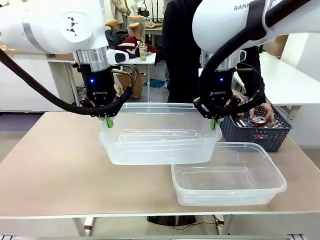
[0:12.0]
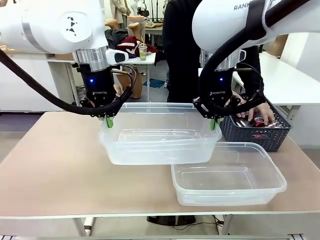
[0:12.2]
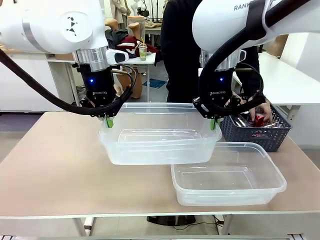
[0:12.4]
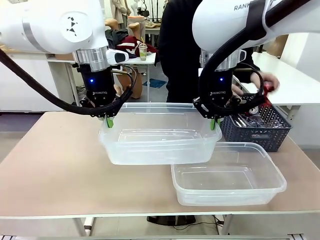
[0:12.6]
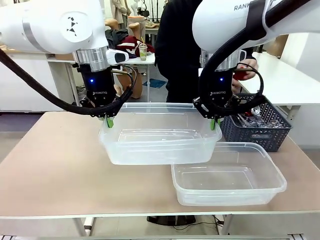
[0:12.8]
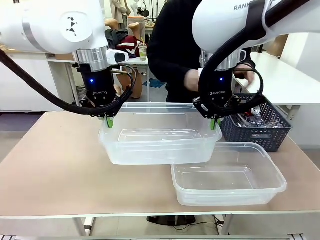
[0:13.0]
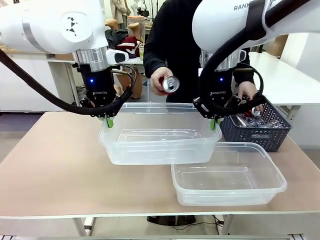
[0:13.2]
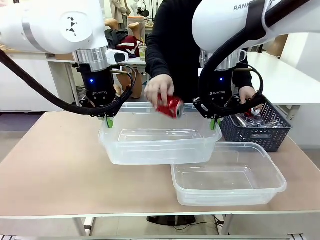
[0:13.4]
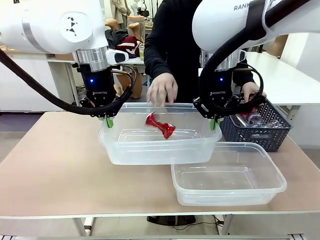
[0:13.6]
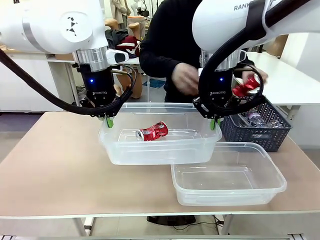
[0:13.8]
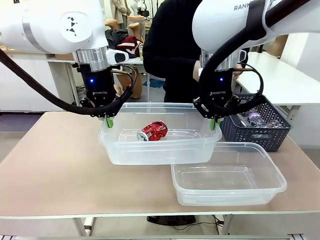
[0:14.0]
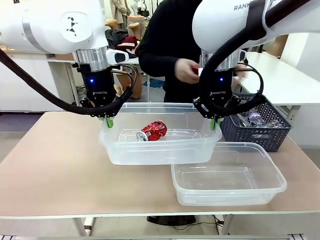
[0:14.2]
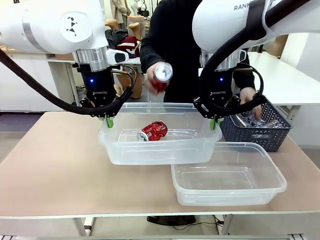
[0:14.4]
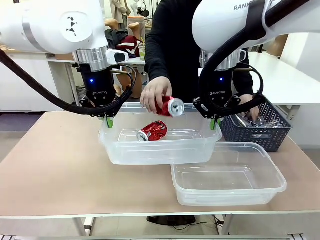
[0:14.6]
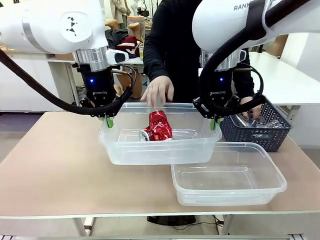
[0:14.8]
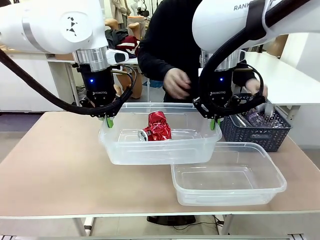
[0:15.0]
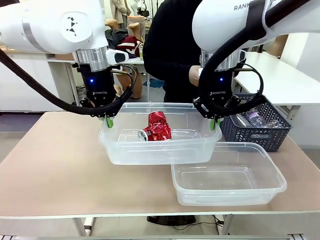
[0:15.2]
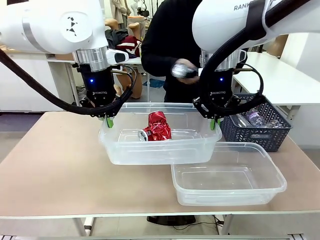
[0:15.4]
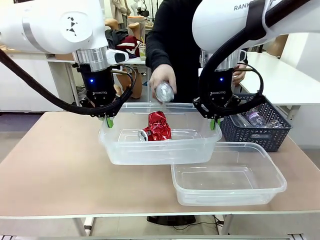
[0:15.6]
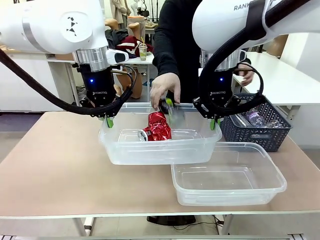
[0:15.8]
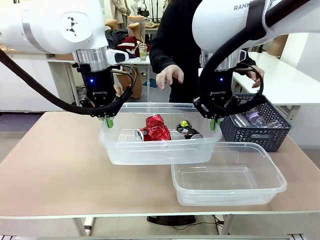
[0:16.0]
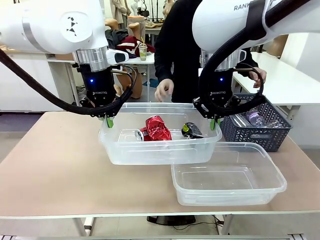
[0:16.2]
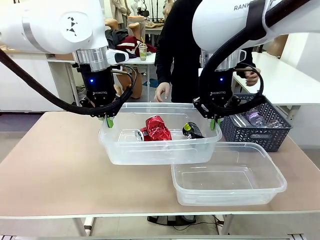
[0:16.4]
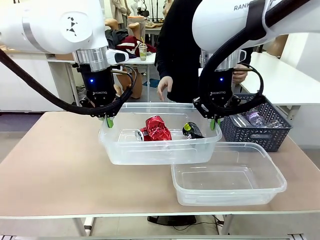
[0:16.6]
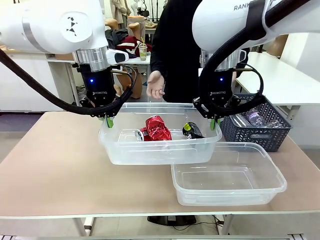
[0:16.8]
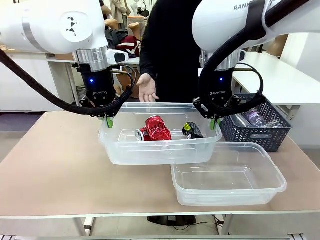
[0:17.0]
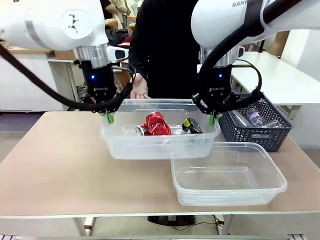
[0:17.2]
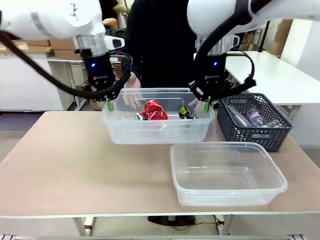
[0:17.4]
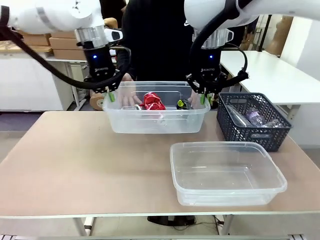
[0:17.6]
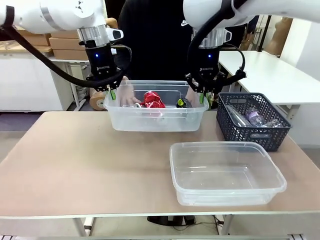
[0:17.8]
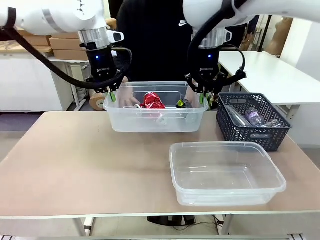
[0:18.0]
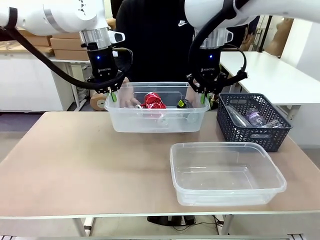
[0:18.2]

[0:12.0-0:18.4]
Robot: Offer the picked Organizing box to the human.

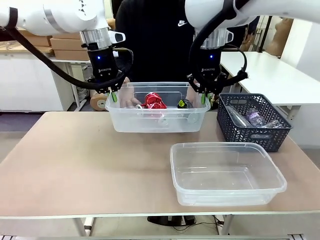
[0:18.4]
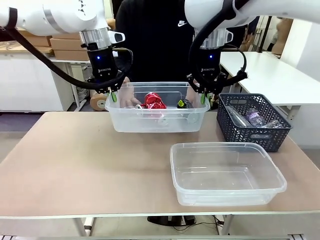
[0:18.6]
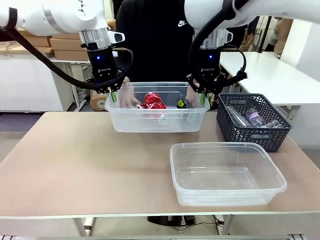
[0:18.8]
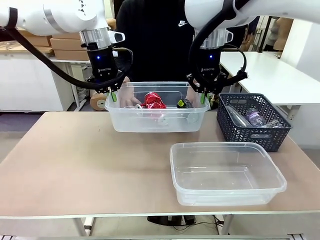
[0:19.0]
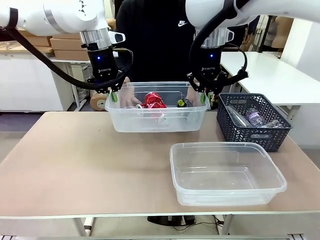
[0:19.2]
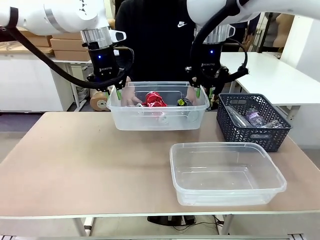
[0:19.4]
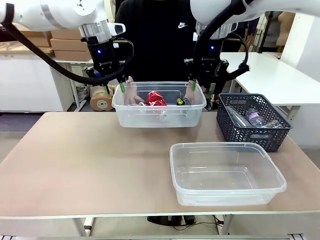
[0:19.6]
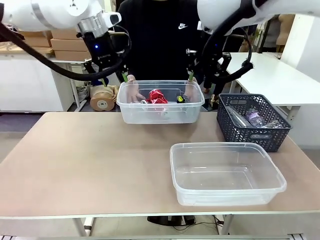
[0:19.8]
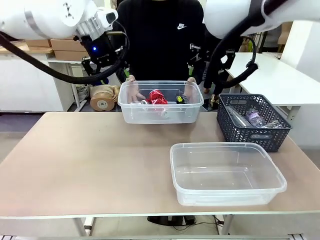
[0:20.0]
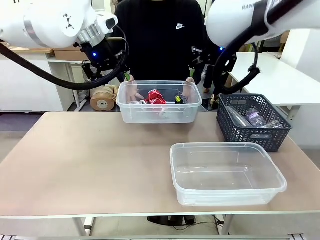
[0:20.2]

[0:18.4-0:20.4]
Robot: Release the Organizing box you were holding.

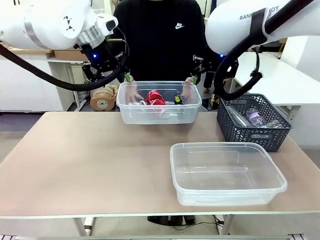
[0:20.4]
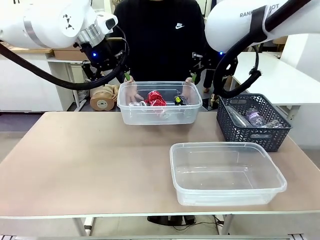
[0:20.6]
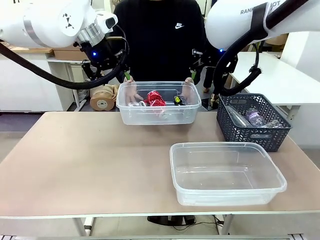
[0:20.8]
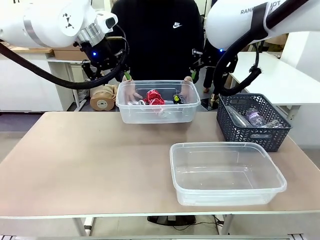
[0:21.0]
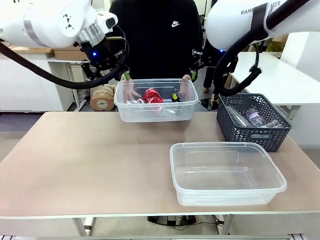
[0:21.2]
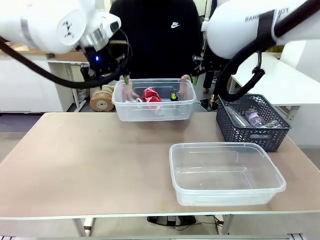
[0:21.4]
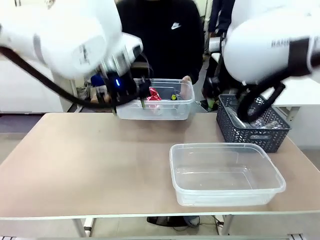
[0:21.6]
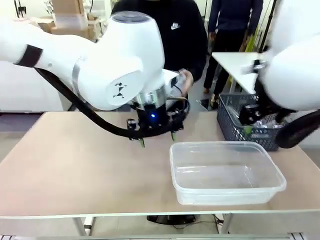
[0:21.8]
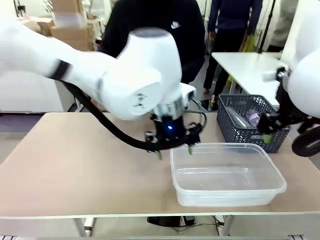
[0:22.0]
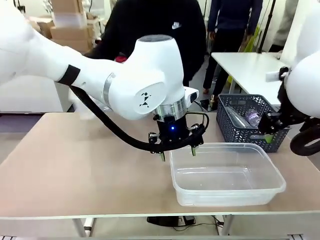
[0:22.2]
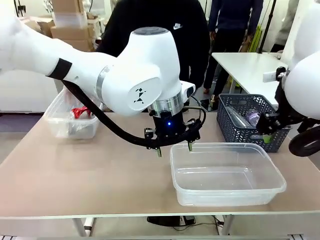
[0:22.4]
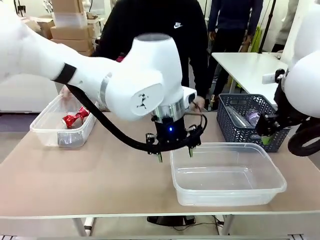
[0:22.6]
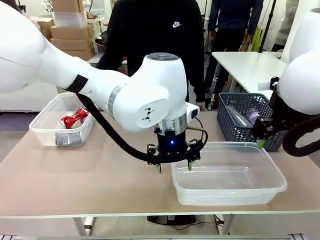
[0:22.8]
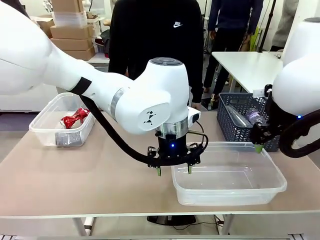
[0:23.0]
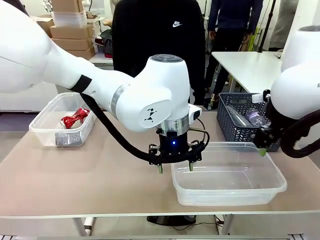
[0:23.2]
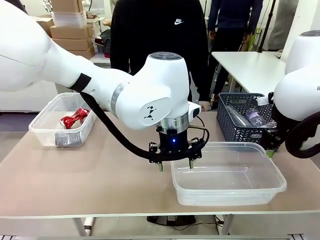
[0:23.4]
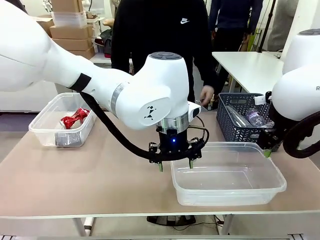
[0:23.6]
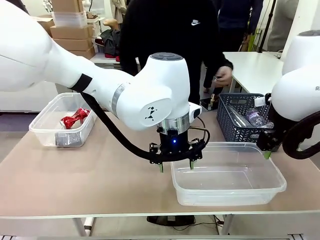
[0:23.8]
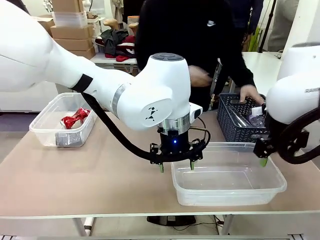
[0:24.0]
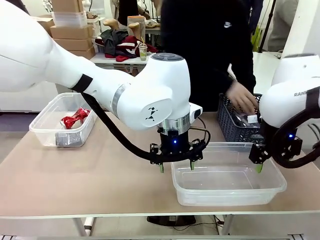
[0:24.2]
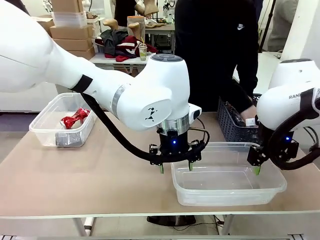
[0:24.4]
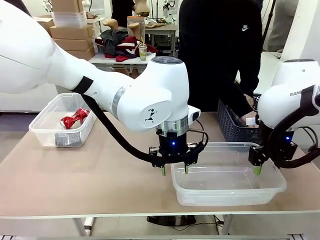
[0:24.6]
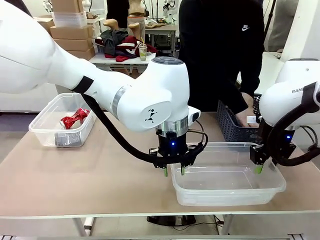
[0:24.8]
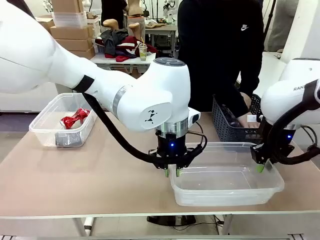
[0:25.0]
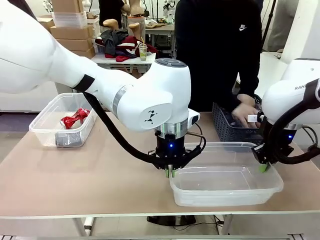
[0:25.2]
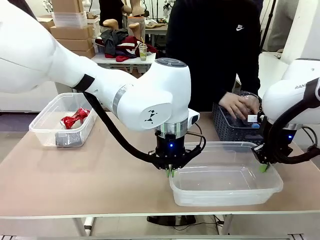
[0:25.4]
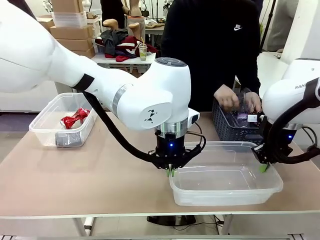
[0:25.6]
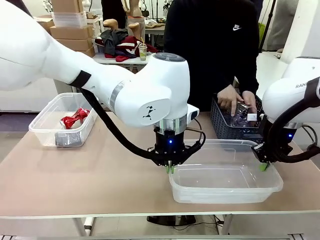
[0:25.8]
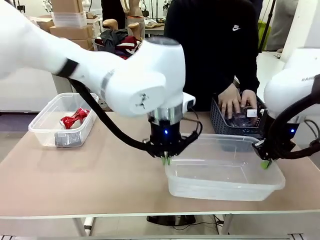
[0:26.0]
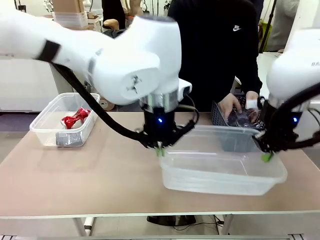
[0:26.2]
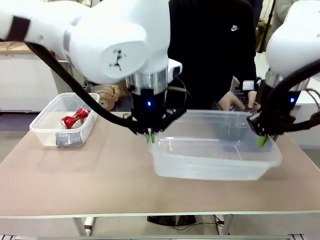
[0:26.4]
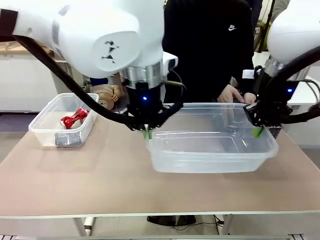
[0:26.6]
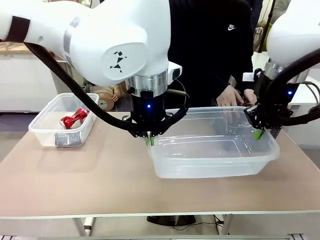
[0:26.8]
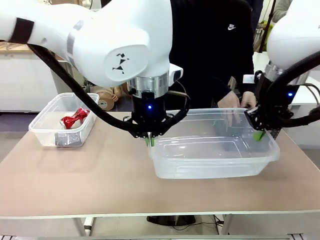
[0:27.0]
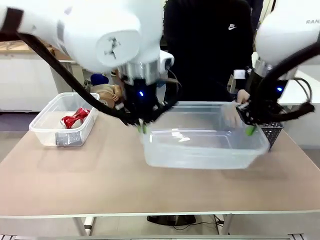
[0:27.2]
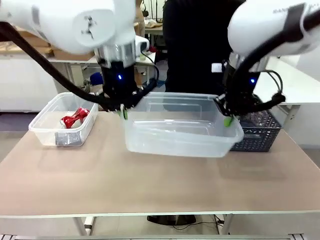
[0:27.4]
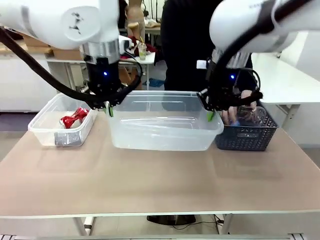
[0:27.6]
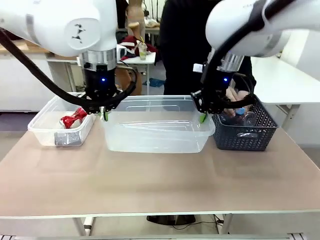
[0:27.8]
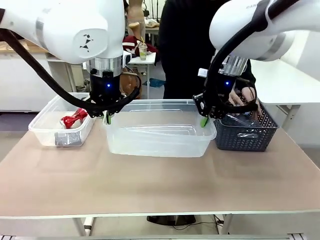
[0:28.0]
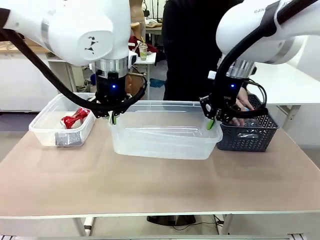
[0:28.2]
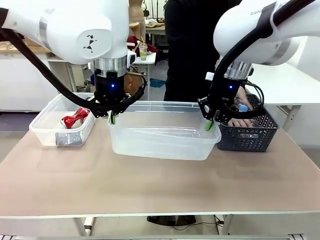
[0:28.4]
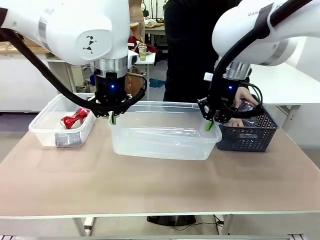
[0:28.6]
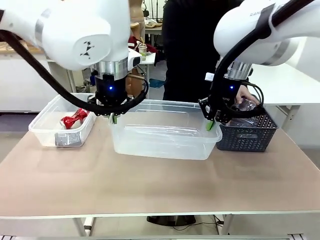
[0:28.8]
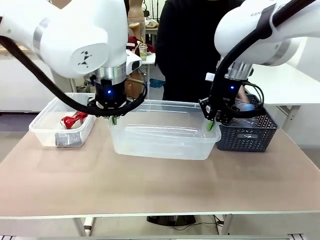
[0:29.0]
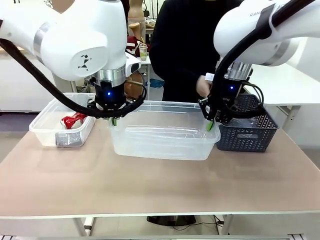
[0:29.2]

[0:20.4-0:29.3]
Robot: Pick up the Organizing box on the right side of the table and lift it.
Person: Place it at the edge of the bottom right area of the robot table. Pick up plastic waste one by one and place it into the organizing box lifted by the robot.

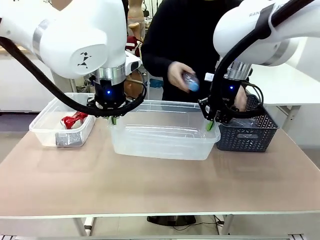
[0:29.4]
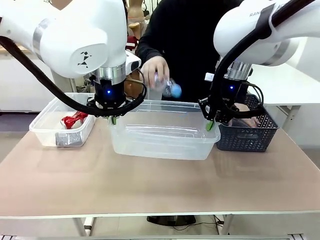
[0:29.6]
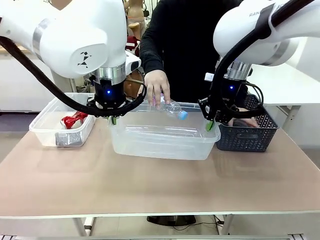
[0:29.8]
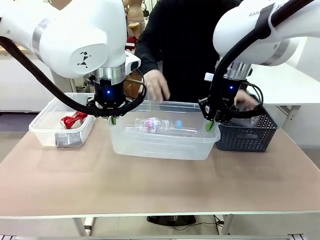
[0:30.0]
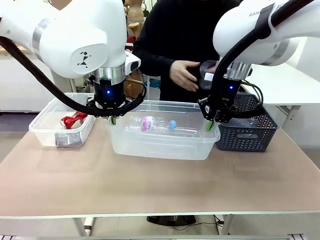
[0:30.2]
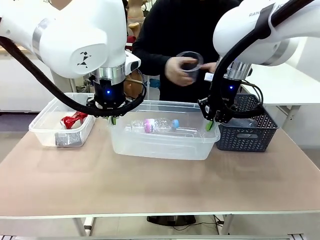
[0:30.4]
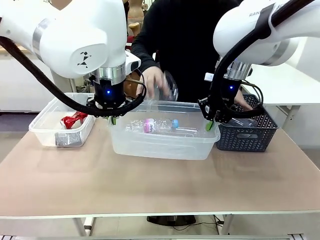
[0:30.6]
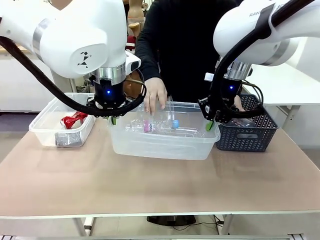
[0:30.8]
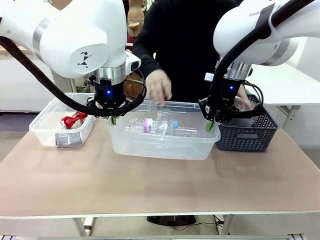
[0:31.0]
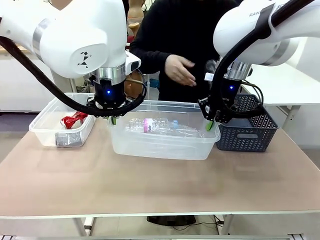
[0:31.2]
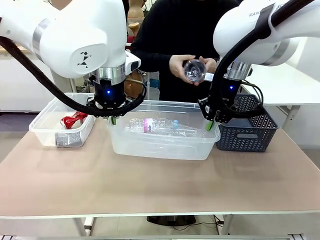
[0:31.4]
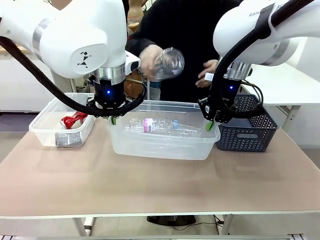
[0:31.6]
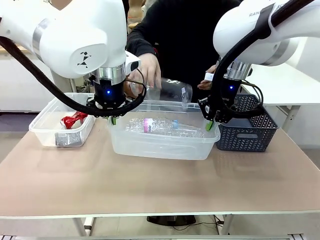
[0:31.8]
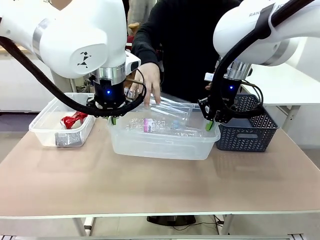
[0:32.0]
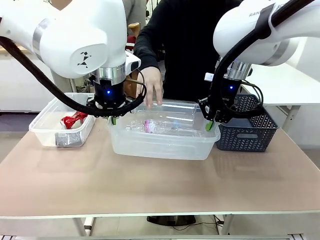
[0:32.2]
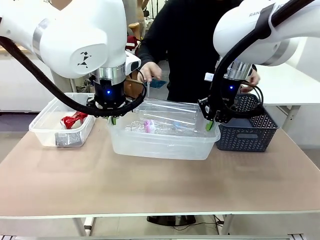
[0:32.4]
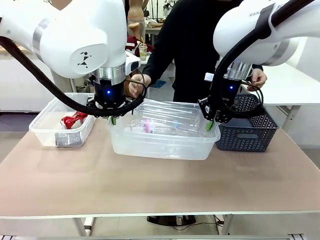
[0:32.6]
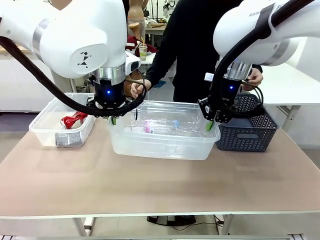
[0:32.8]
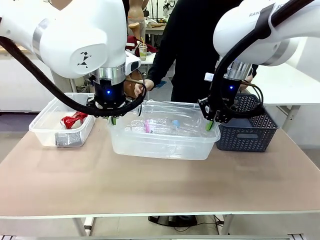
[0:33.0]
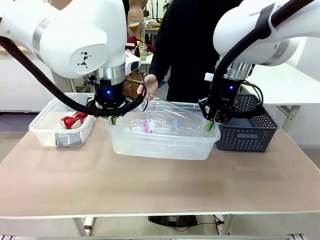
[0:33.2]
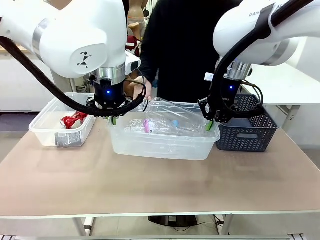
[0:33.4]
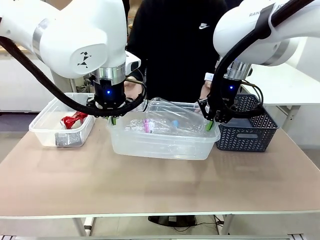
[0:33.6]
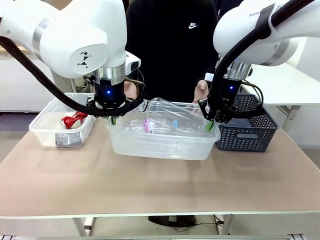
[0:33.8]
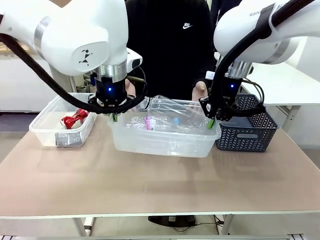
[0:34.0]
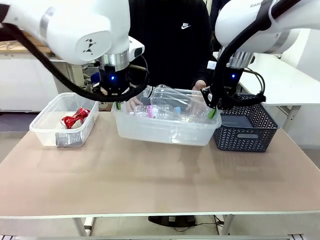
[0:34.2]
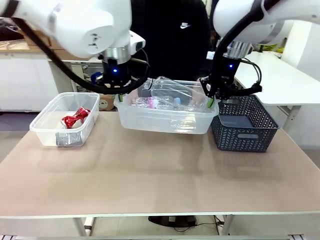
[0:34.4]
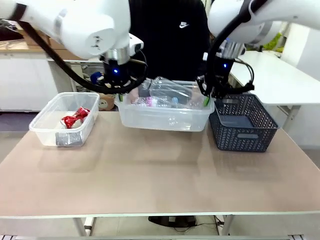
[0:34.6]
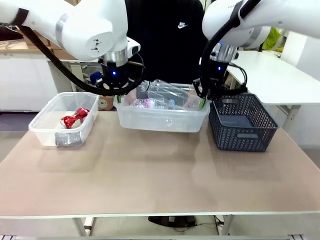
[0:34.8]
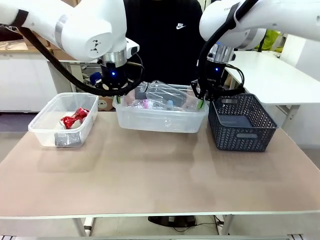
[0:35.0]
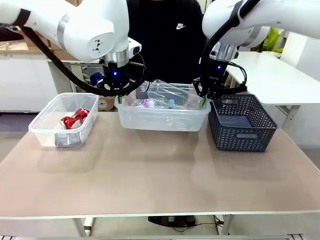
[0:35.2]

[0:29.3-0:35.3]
Robot: Offer the picked Organizing box to the human.
Person: Pick up the organizing box extended by the robot.
